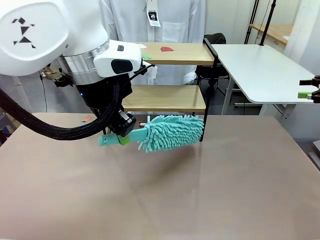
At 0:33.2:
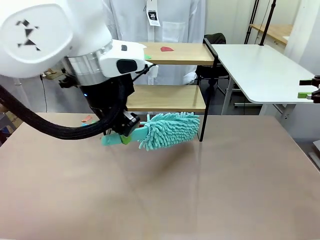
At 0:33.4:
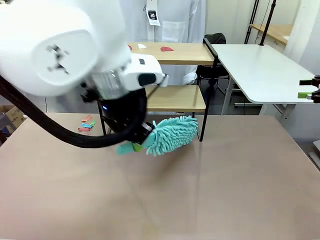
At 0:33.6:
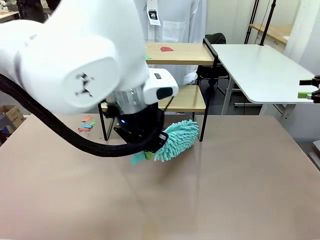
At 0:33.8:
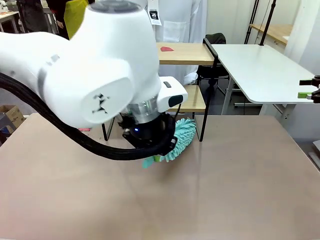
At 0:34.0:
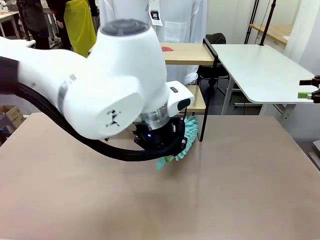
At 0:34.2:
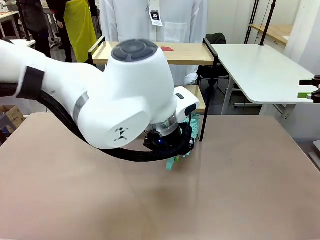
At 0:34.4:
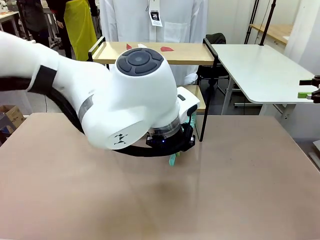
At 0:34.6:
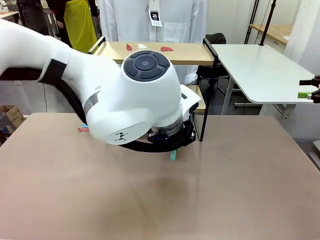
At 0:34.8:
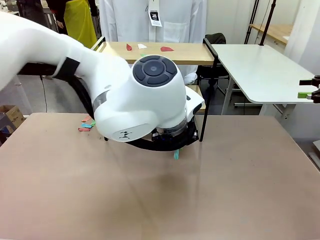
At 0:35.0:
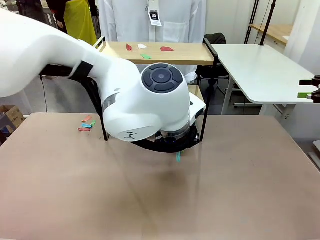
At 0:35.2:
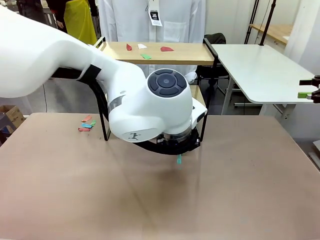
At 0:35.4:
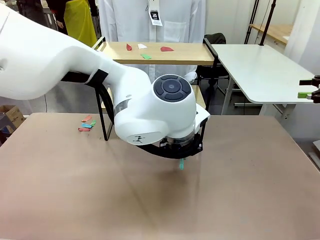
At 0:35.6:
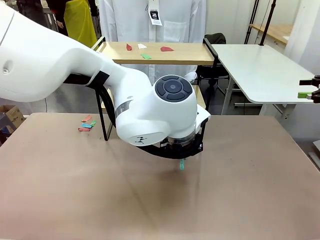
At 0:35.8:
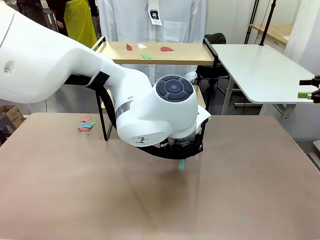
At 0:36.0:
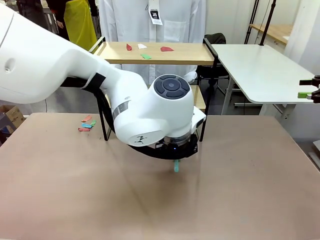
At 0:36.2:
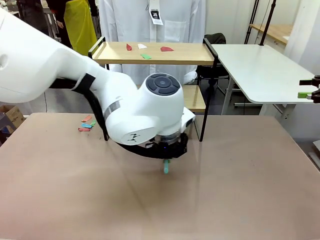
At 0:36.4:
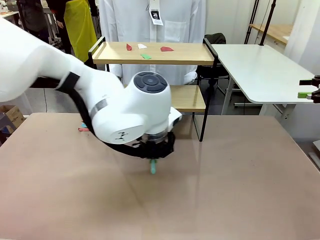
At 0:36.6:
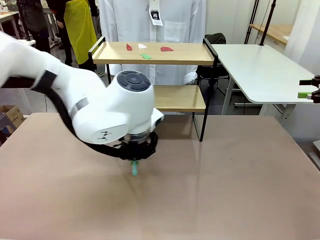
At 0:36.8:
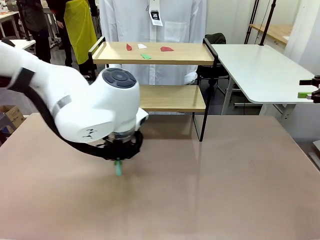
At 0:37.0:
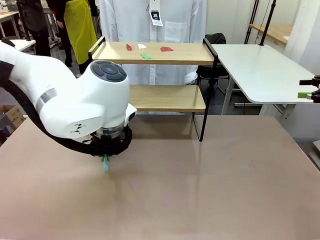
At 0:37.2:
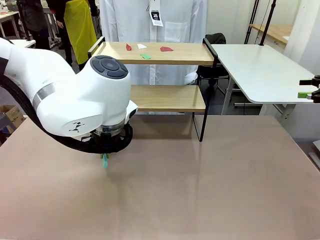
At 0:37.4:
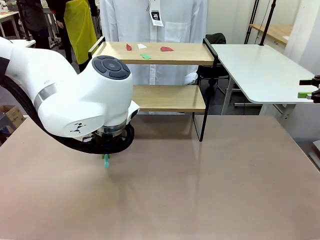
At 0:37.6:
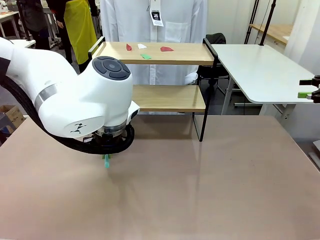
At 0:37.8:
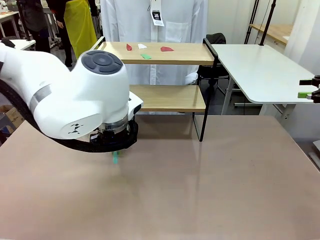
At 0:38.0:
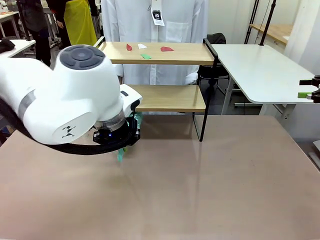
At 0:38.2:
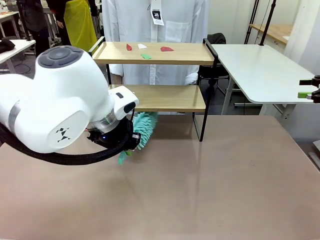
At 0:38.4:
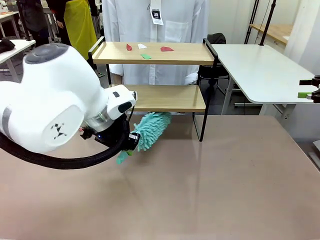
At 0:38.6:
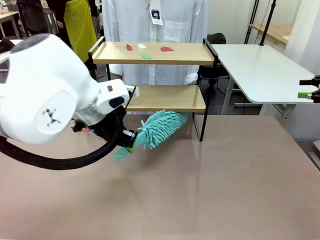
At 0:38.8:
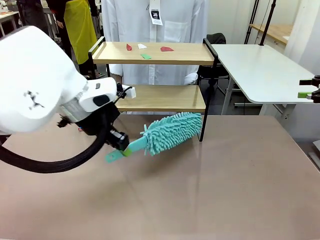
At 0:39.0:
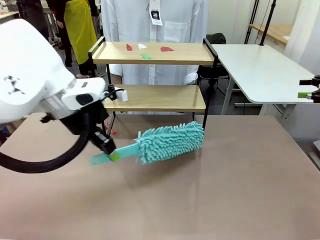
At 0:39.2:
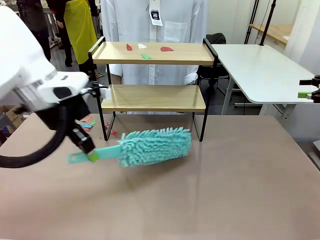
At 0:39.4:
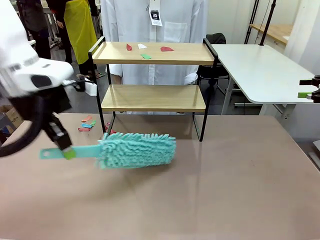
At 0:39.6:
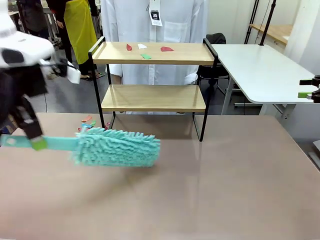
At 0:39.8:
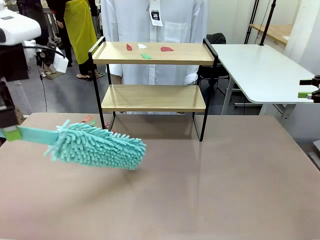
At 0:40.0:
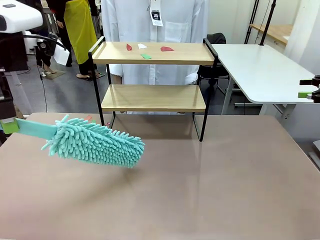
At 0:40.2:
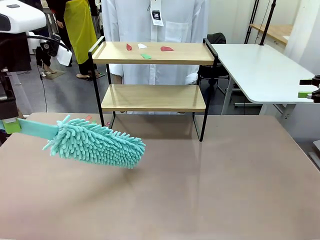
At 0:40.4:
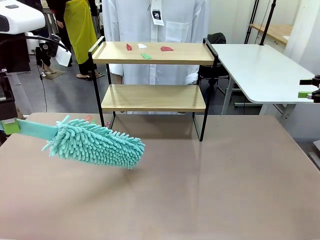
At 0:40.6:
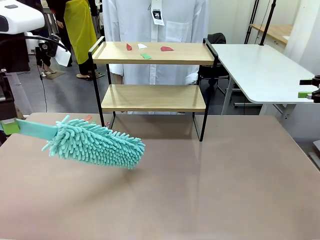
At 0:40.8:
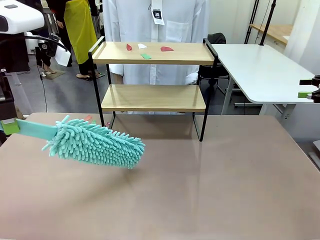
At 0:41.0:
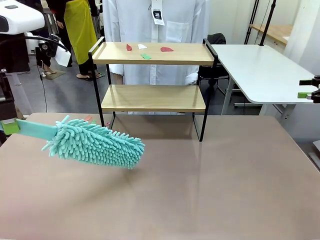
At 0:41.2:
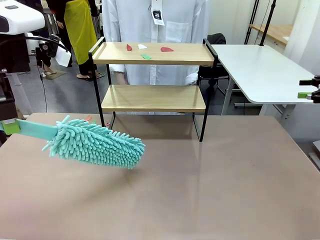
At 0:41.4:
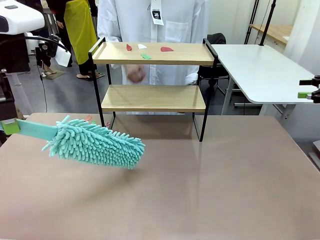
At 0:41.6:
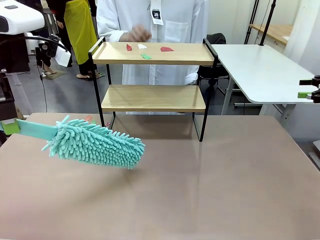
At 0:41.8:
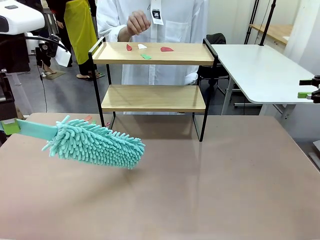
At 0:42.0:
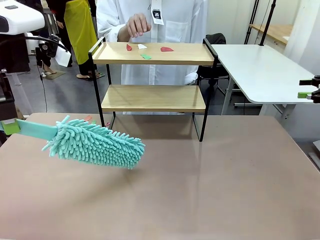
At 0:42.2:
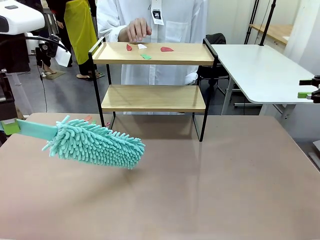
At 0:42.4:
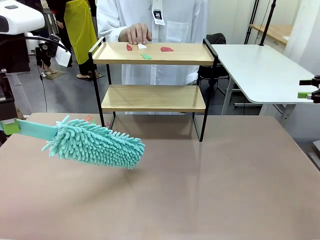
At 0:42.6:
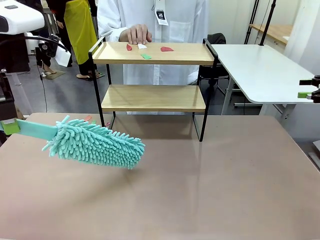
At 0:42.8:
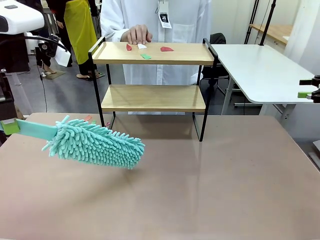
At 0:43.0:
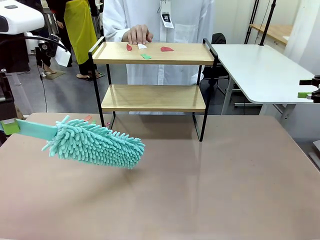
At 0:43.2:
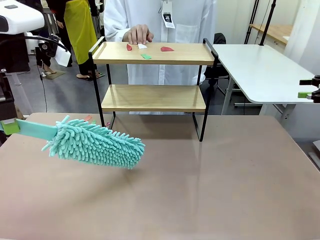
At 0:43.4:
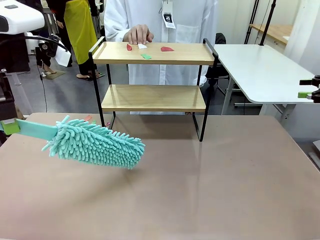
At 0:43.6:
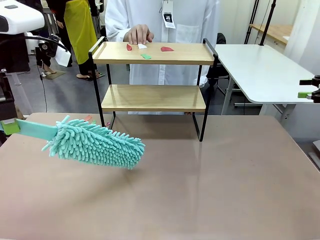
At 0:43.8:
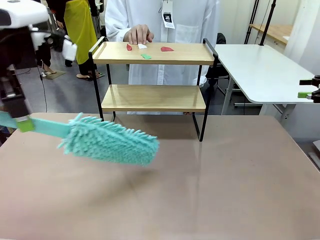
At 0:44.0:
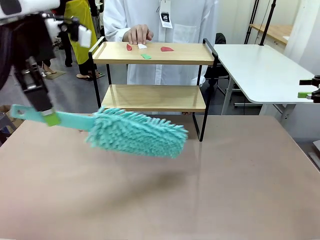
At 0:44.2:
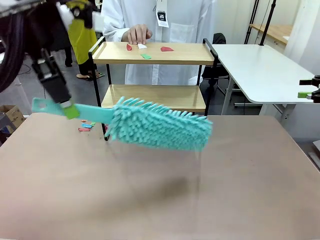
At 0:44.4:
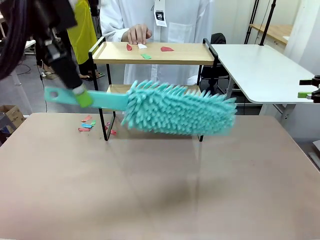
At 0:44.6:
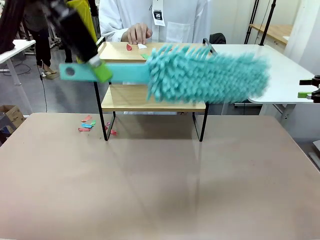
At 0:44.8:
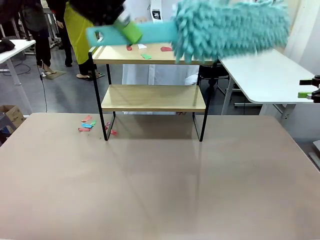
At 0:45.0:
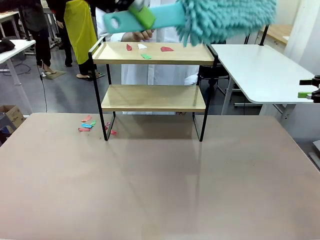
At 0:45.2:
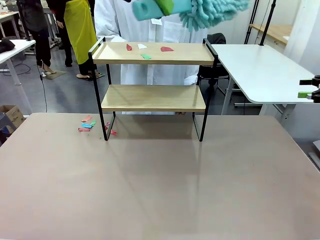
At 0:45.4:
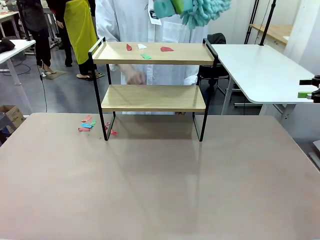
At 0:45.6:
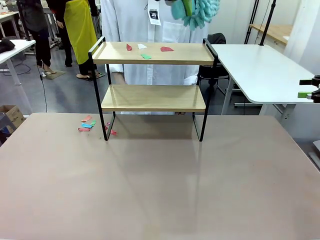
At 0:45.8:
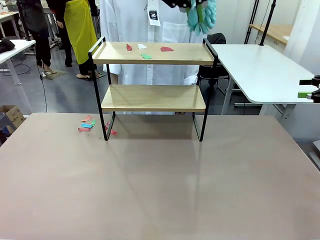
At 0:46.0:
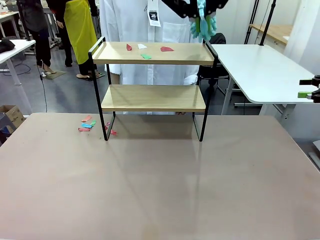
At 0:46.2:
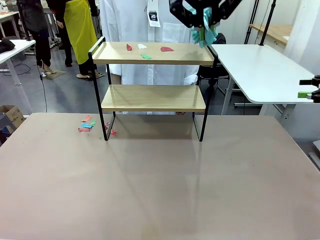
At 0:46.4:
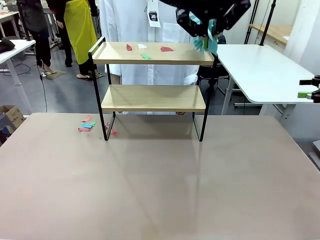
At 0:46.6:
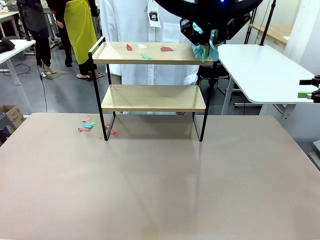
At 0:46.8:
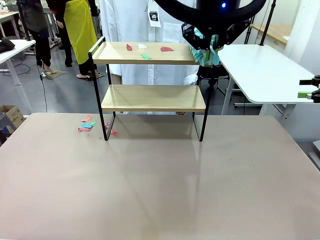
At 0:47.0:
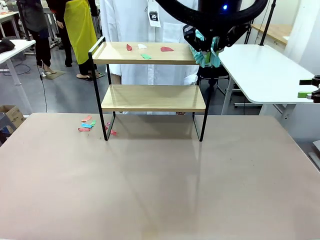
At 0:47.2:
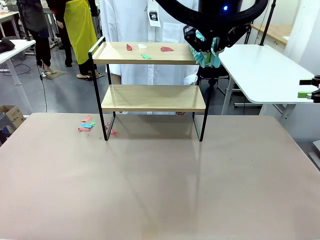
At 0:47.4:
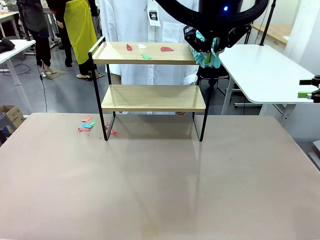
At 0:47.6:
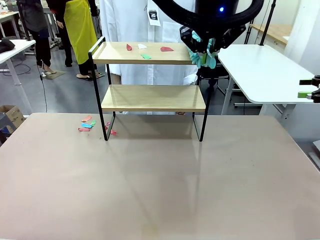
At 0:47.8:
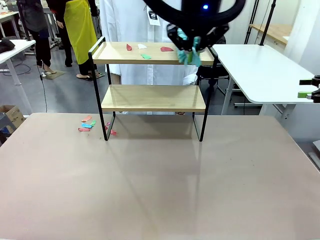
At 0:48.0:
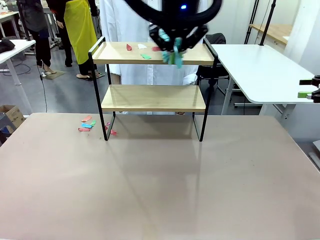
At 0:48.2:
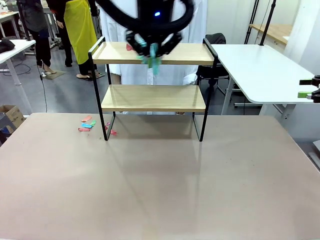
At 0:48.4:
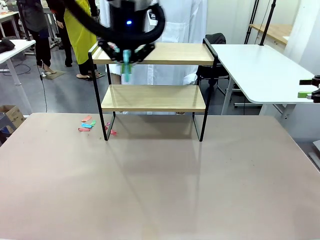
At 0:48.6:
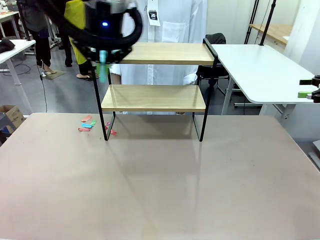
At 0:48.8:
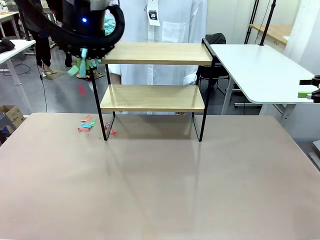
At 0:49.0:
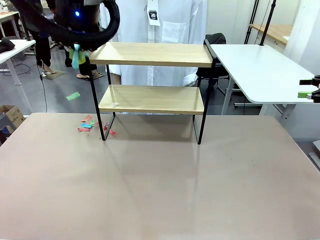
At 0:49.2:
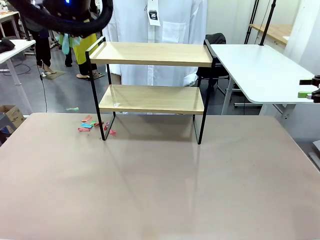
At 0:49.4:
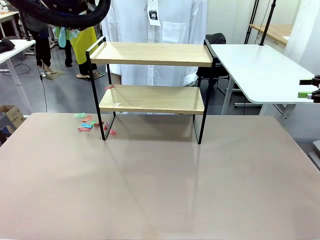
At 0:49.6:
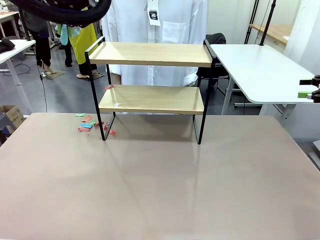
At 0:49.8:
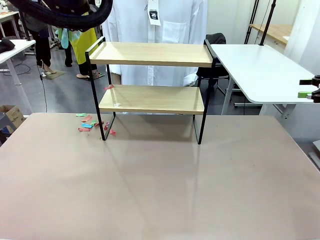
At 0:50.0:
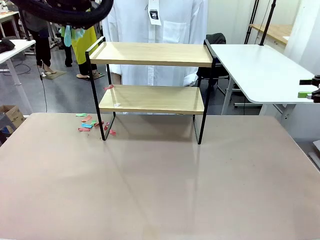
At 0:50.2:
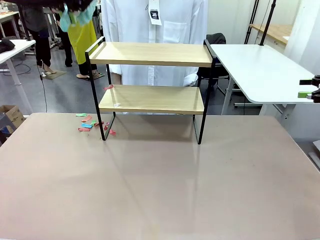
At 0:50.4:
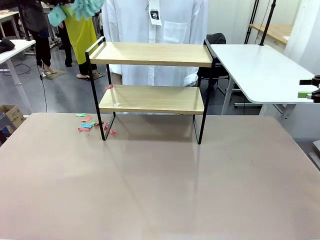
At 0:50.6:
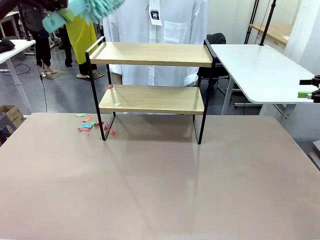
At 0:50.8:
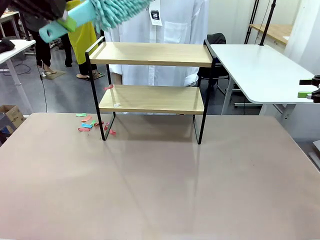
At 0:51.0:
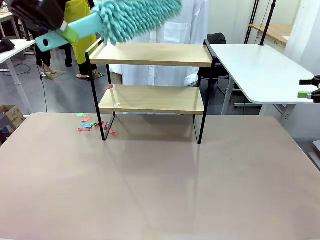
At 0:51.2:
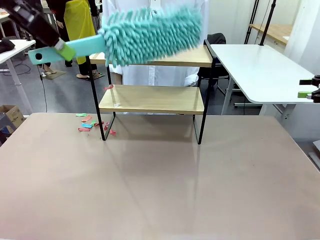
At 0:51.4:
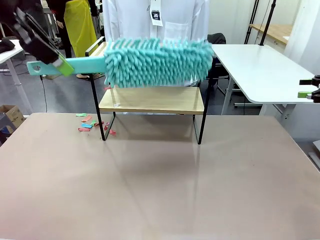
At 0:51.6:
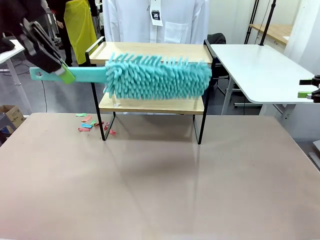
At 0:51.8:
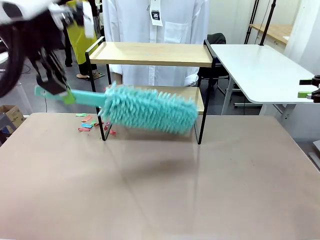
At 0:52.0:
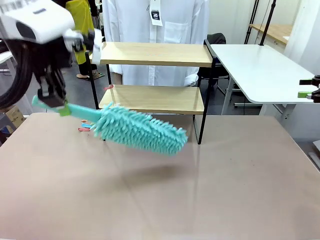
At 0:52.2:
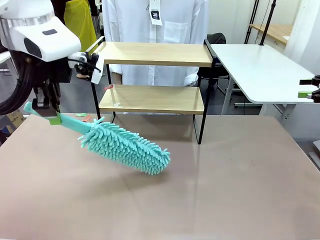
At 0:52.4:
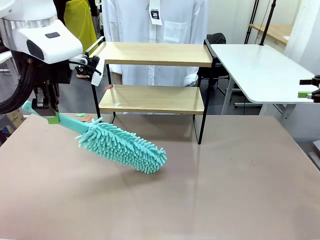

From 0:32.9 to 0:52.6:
Task: Clean the shelf.
Robot: Clean the specific section of the Shelf indicated by the human with the Duster.
Person: Point a remaining section of the Shelf.
